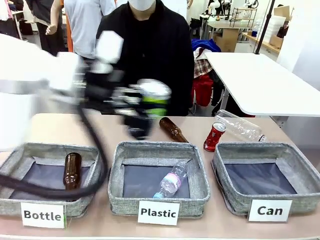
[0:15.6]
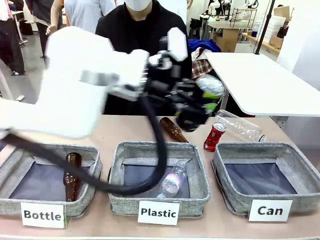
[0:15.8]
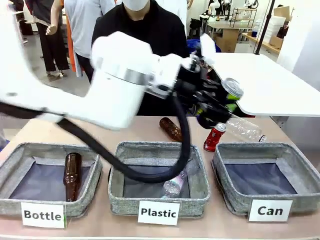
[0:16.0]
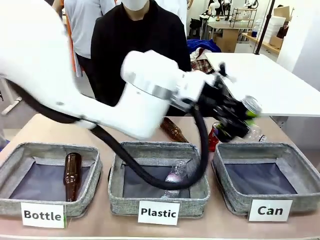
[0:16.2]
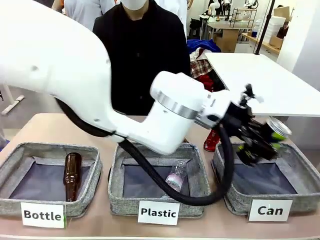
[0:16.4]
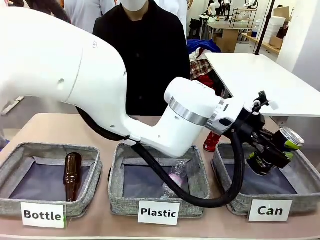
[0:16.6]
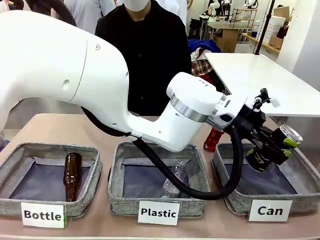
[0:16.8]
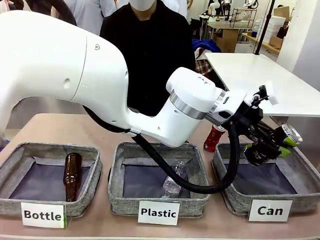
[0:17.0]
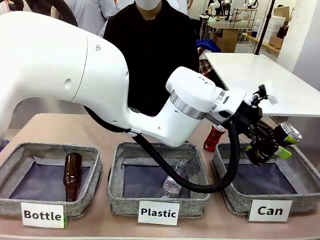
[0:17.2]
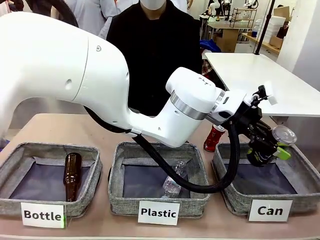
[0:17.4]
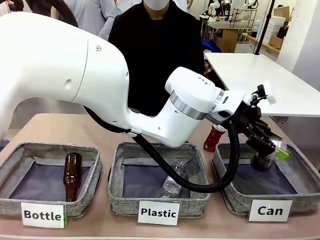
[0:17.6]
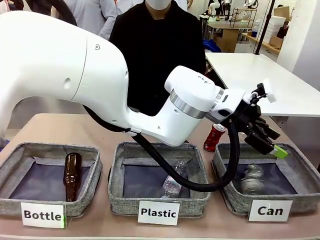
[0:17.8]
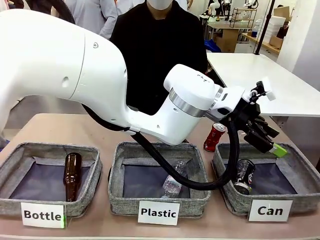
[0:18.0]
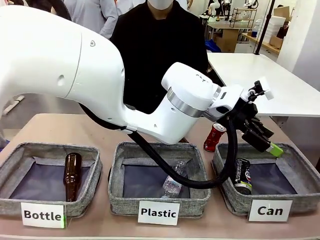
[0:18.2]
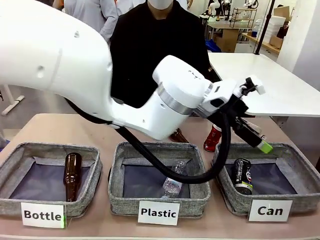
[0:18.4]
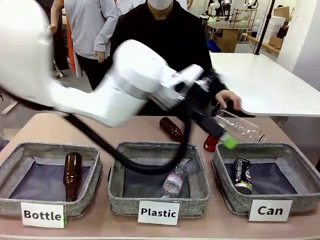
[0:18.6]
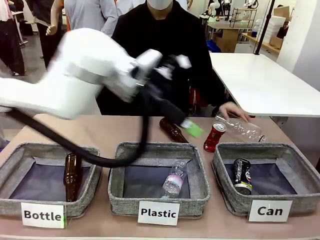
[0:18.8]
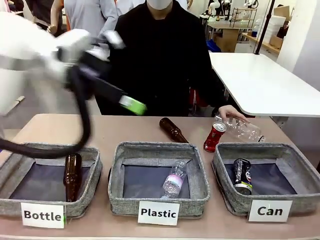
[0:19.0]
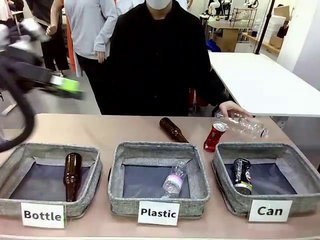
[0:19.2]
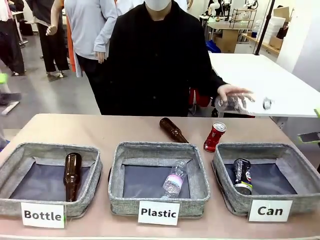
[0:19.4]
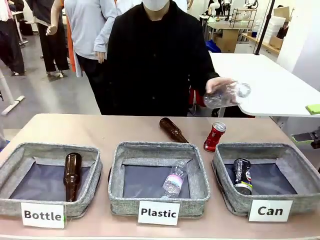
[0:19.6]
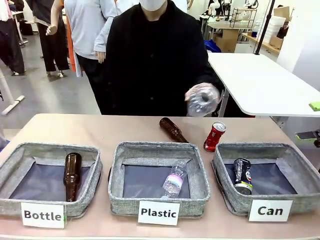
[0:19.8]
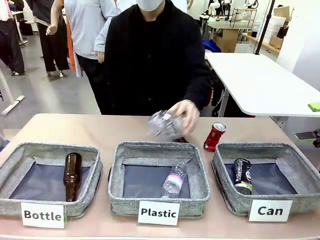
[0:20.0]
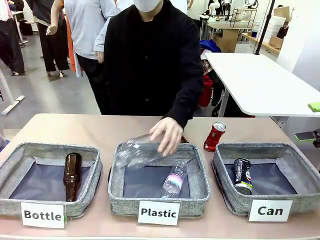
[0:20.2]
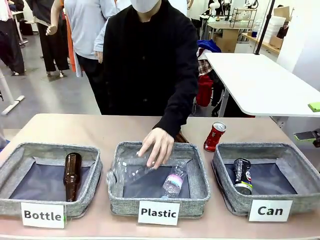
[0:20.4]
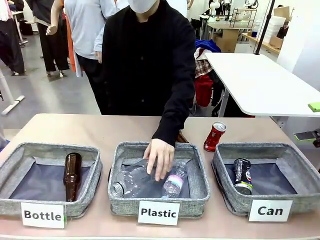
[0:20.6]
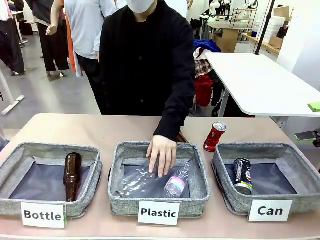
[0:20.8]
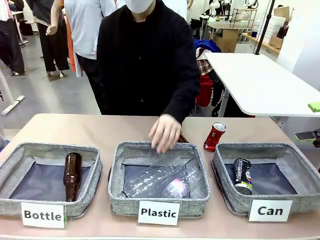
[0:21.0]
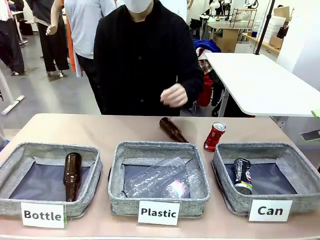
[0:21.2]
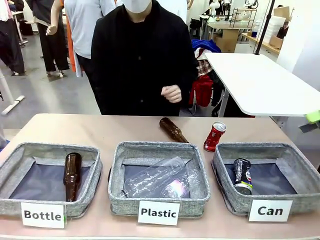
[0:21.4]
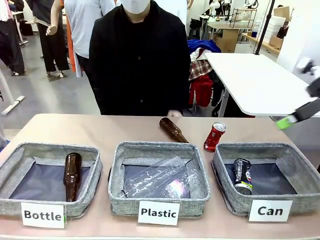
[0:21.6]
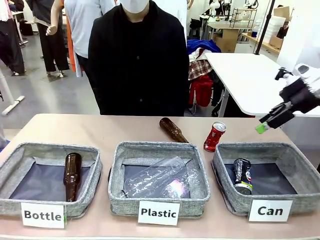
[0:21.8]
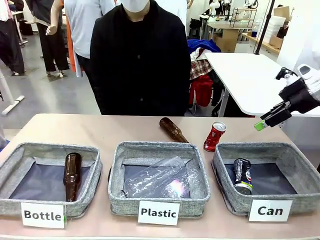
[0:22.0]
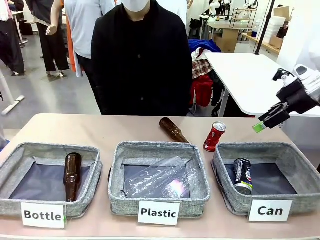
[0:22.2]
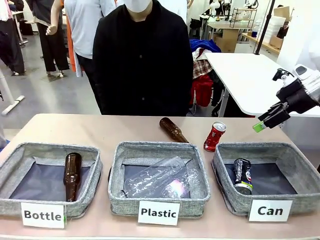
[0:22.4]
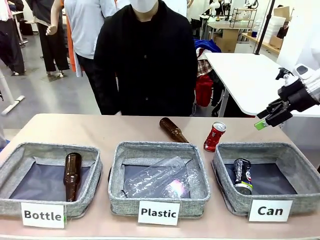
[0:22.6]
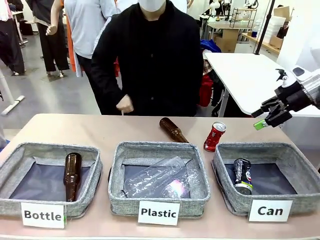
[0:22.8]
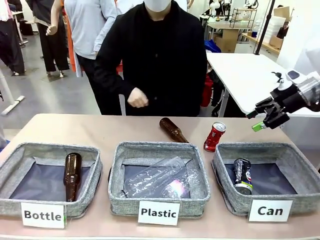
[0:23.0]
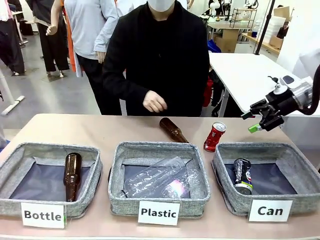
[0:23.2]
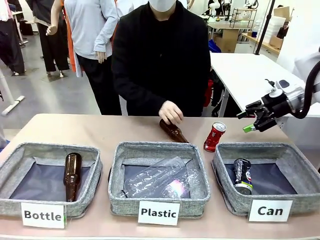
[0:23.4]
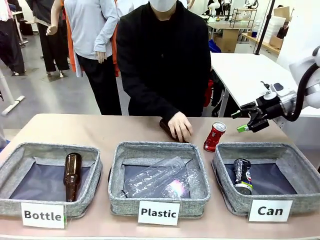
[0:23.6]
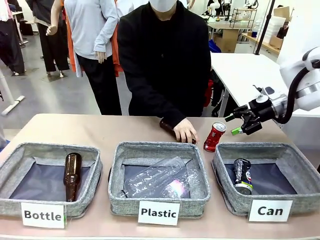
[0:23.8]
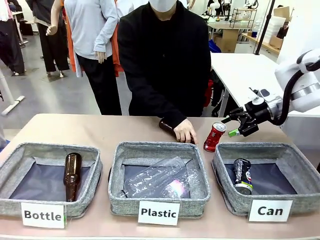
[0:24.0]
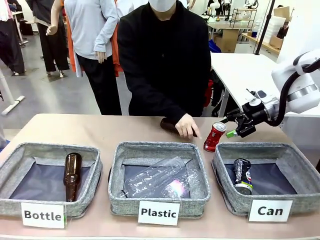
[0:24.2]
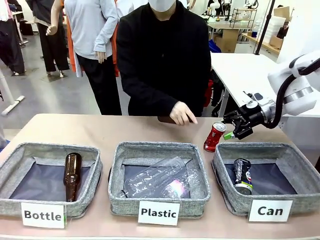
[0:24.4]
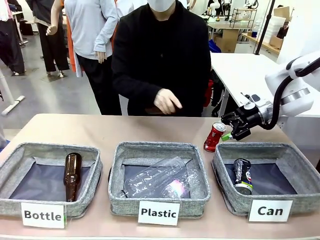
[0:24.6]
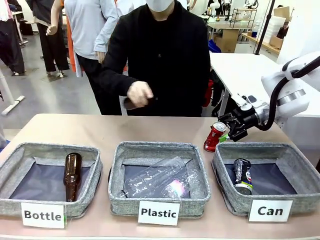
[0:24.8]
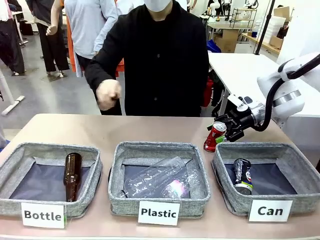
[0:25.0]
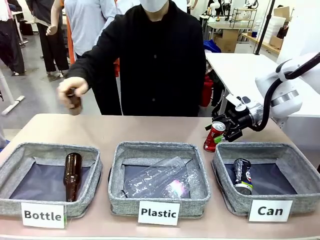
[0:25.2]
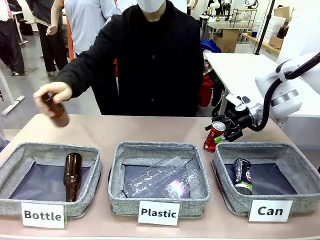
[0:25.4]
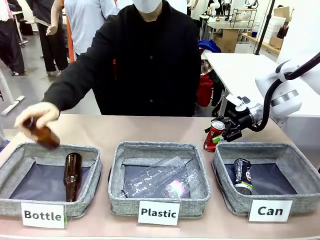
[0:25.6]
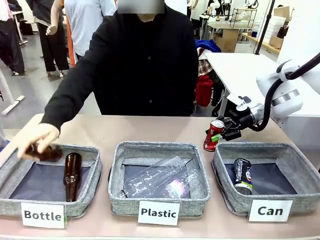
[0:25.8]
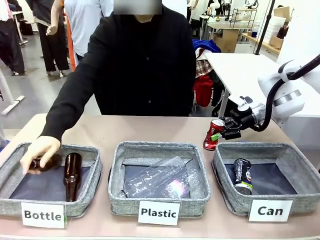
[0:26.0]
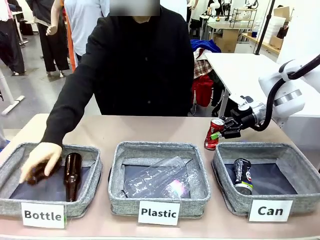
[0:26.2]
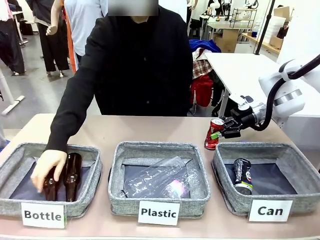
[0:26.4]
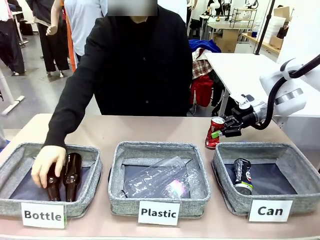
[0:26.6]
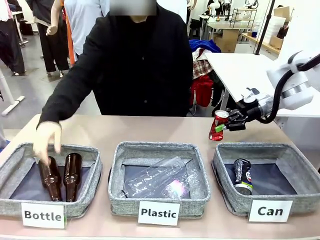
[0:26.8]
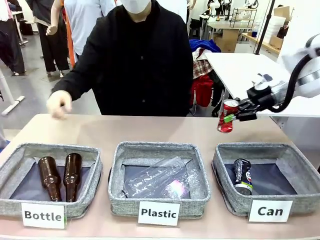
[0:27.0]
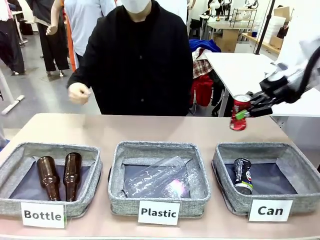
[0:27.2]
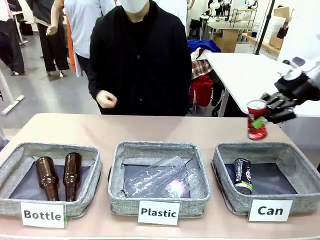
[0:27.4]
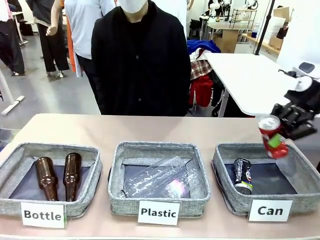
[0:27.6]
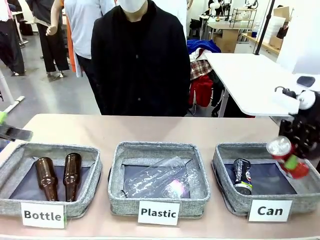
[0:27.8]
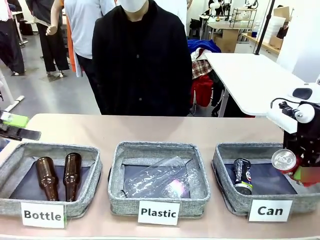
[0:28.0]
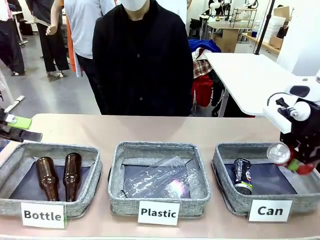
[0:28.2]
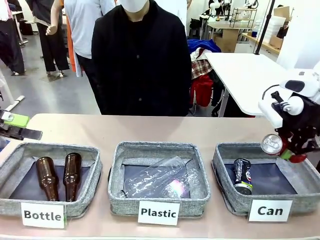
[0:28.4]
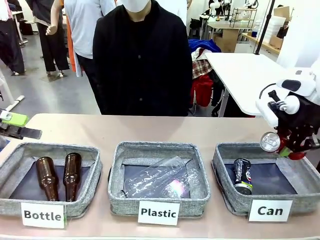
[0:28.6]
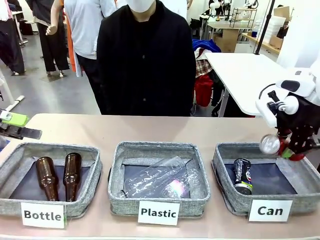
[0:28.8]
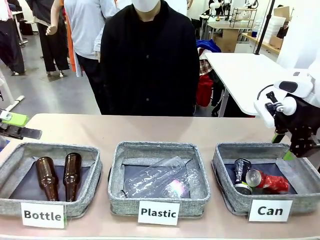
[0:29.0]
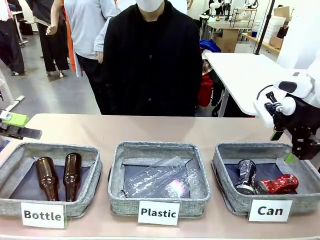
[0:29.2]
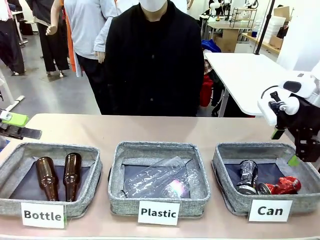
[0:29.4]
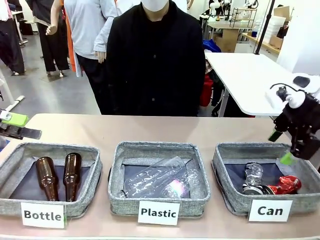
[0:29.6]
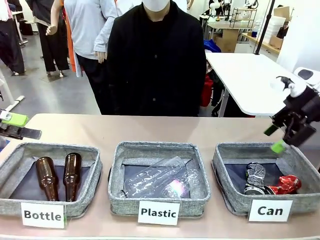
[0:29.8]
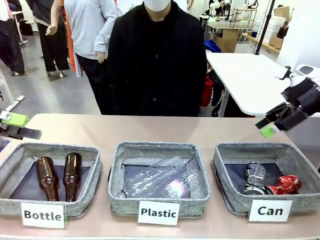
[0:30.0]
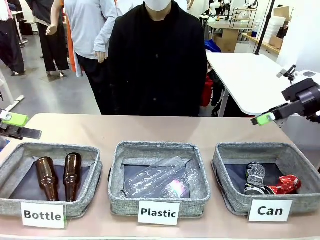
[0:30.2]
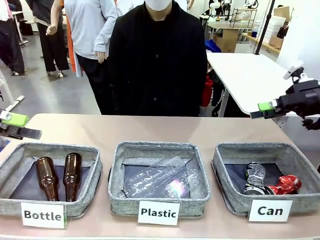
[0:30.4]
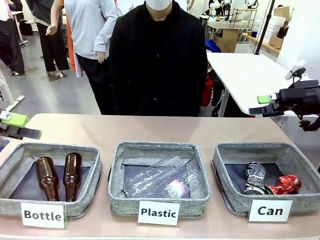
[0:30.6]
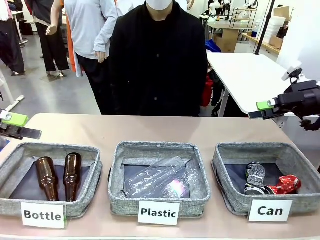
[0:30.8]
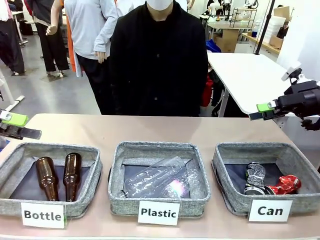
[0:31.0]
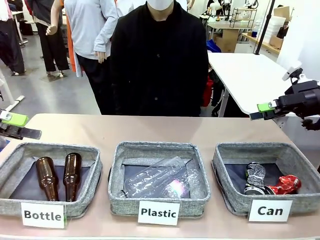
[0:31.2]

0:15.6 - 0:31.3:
Task: Sort the can waste into the basket.
Robot: Pick up the can waste from the table and place it in the right Fabric basket.
Person: The human picks up one piece of trash that is not a can and places the trash into the appropriate organizing basket.
